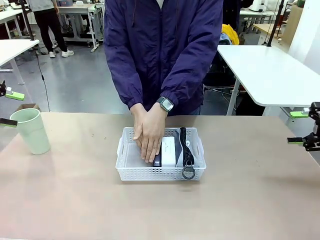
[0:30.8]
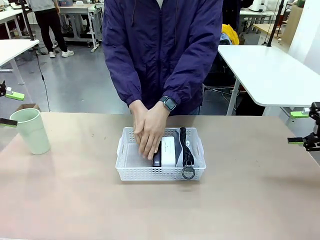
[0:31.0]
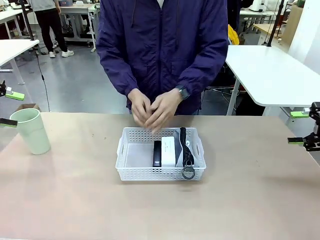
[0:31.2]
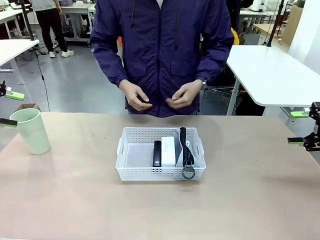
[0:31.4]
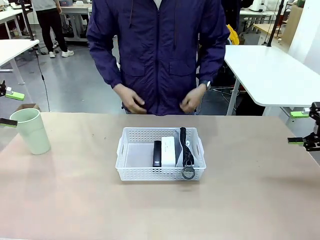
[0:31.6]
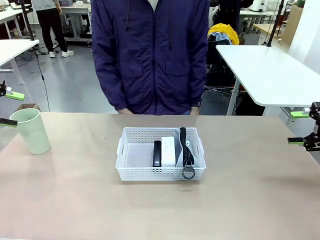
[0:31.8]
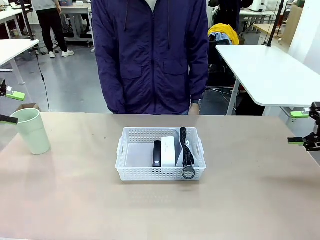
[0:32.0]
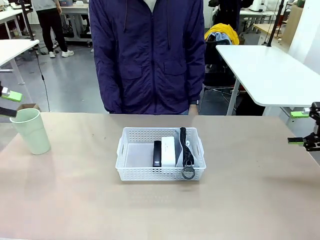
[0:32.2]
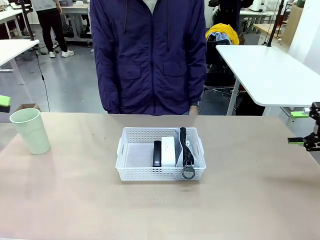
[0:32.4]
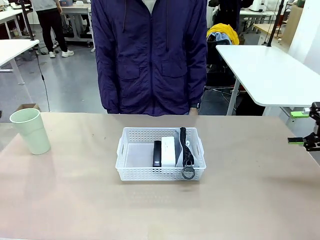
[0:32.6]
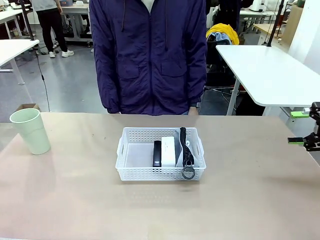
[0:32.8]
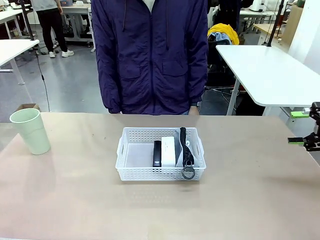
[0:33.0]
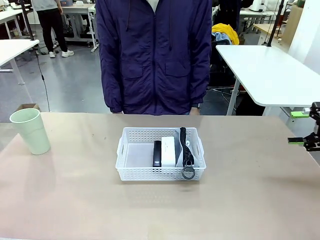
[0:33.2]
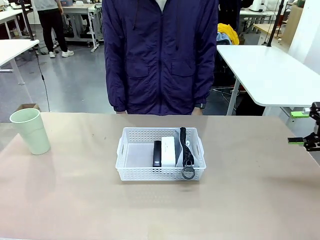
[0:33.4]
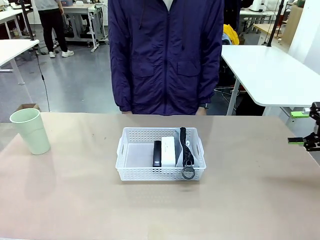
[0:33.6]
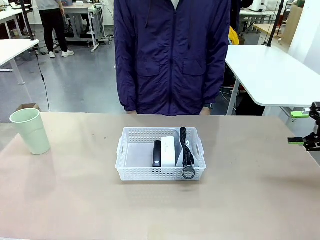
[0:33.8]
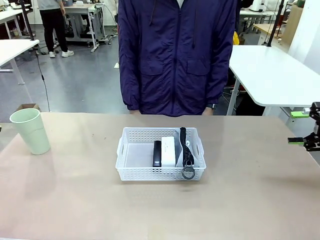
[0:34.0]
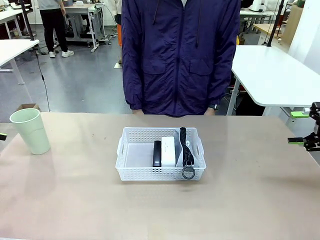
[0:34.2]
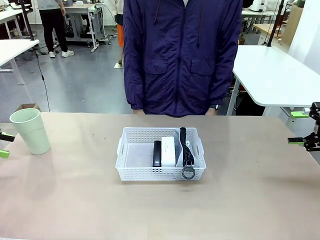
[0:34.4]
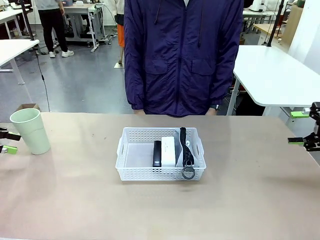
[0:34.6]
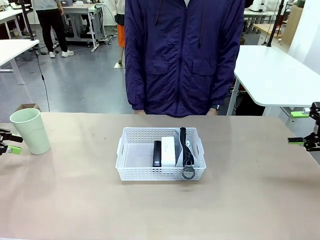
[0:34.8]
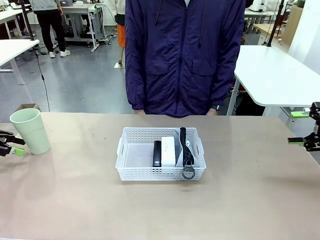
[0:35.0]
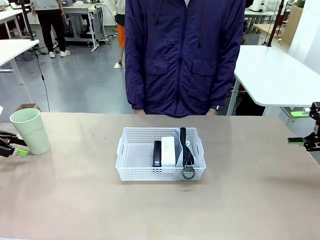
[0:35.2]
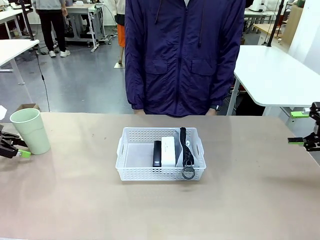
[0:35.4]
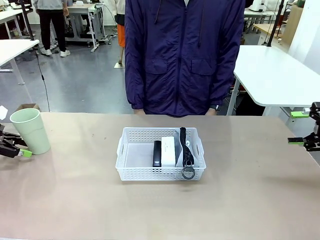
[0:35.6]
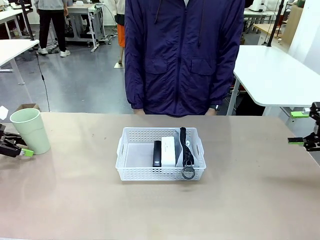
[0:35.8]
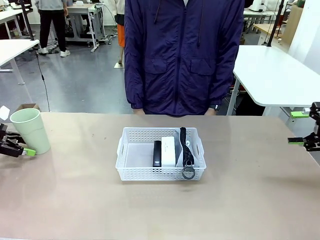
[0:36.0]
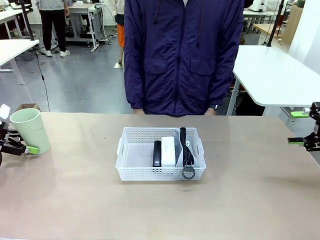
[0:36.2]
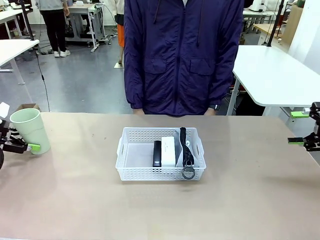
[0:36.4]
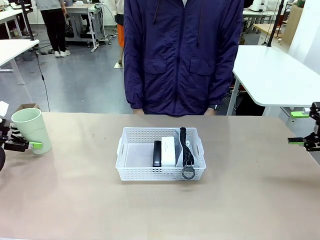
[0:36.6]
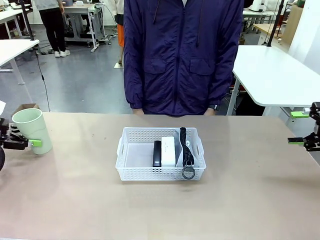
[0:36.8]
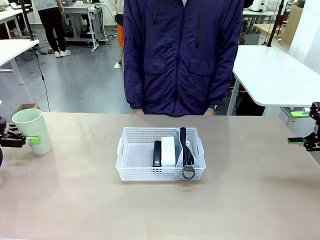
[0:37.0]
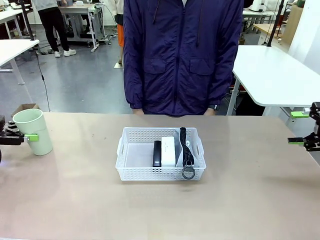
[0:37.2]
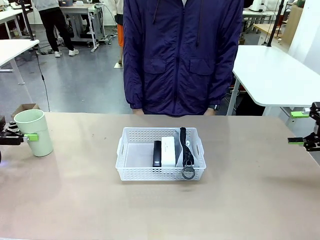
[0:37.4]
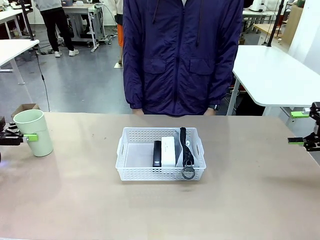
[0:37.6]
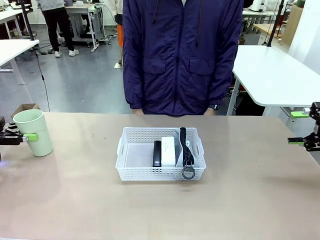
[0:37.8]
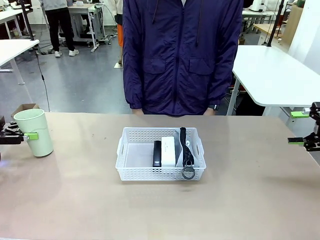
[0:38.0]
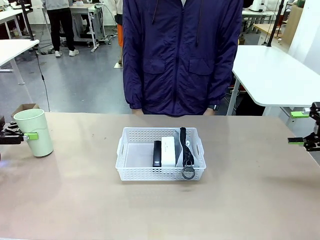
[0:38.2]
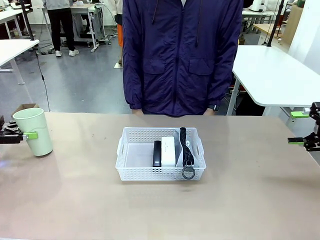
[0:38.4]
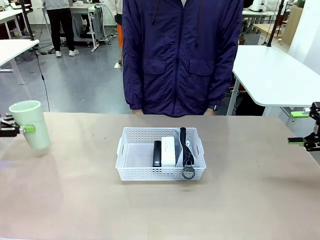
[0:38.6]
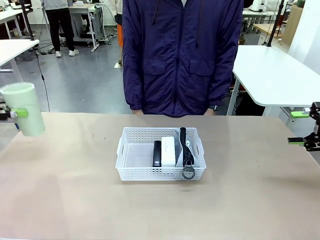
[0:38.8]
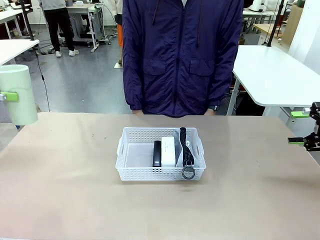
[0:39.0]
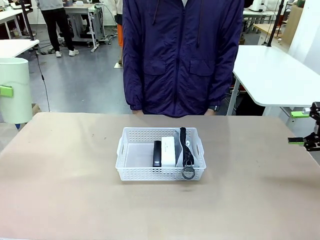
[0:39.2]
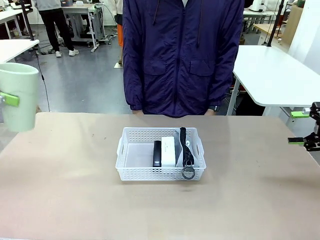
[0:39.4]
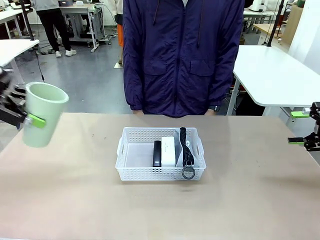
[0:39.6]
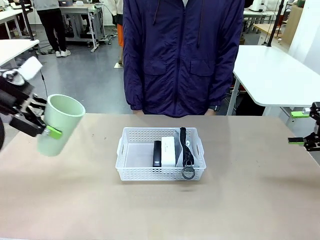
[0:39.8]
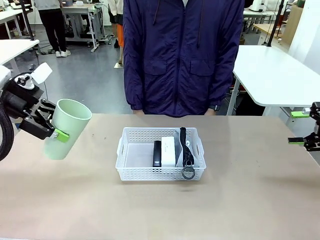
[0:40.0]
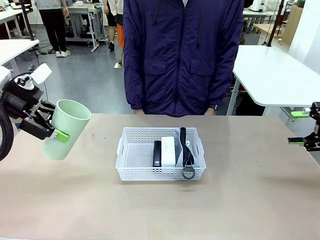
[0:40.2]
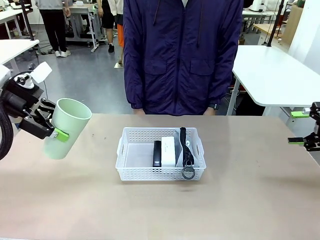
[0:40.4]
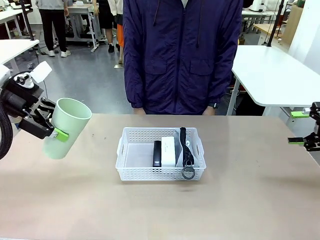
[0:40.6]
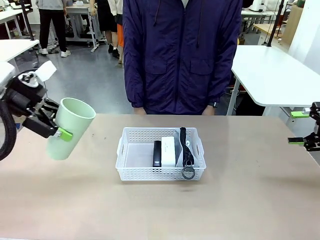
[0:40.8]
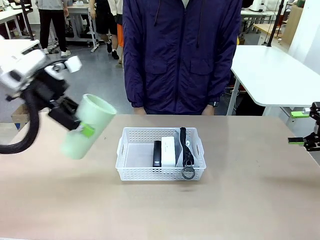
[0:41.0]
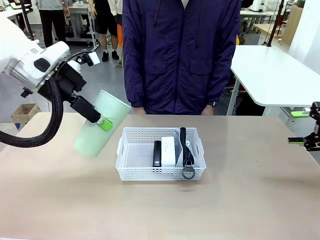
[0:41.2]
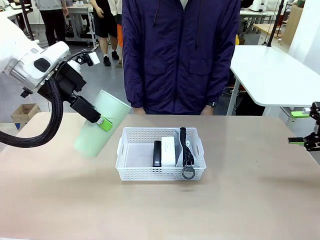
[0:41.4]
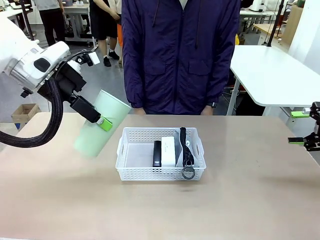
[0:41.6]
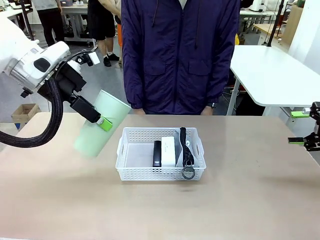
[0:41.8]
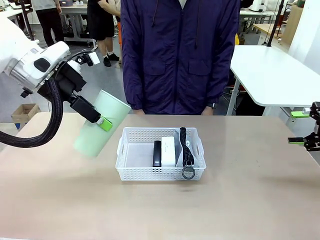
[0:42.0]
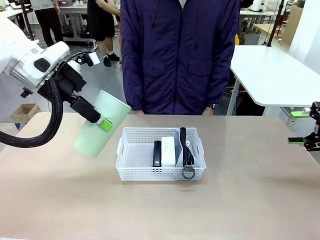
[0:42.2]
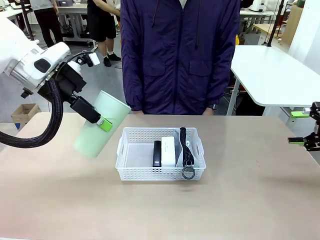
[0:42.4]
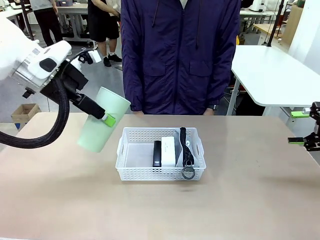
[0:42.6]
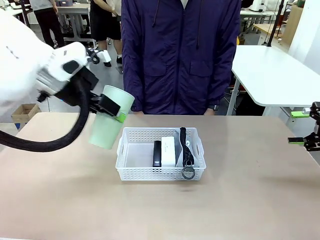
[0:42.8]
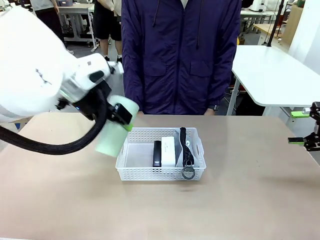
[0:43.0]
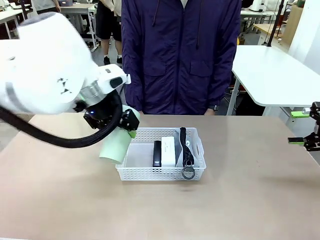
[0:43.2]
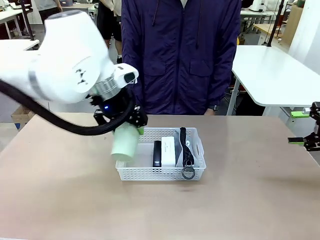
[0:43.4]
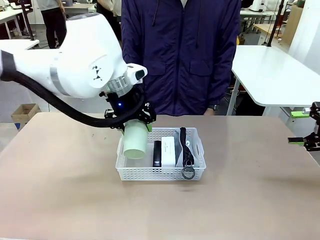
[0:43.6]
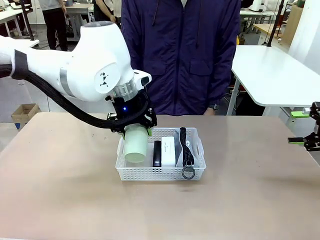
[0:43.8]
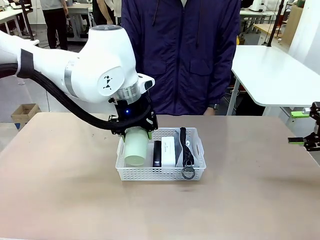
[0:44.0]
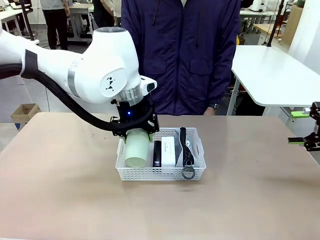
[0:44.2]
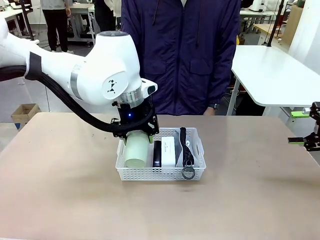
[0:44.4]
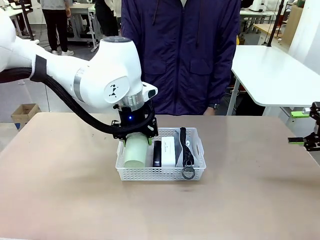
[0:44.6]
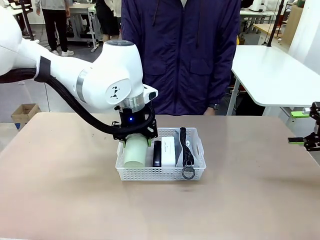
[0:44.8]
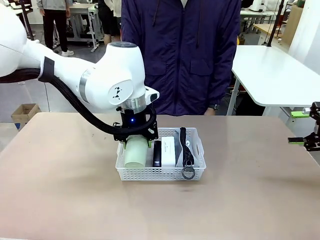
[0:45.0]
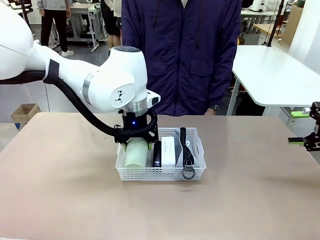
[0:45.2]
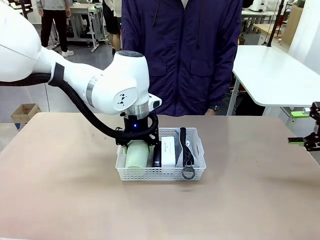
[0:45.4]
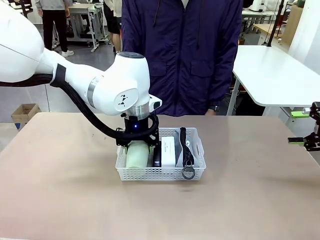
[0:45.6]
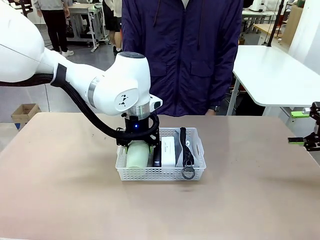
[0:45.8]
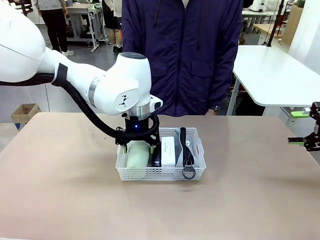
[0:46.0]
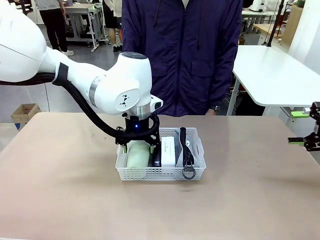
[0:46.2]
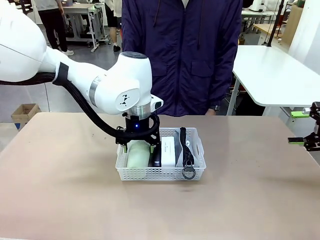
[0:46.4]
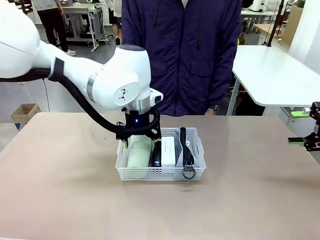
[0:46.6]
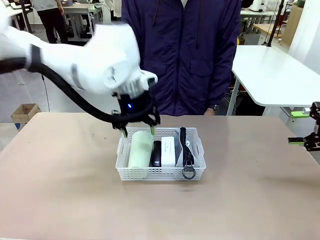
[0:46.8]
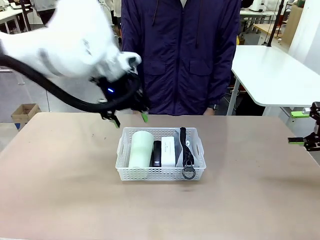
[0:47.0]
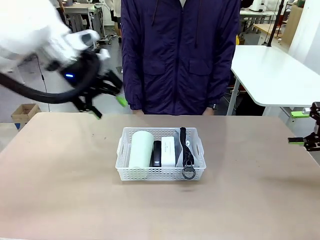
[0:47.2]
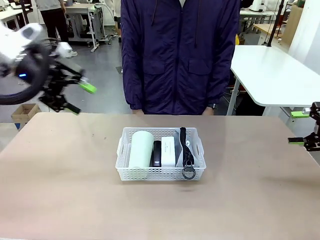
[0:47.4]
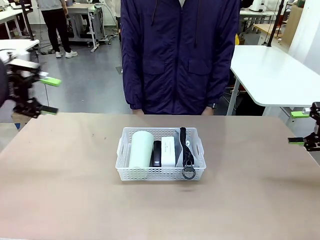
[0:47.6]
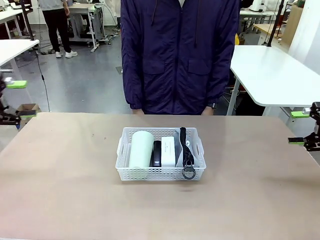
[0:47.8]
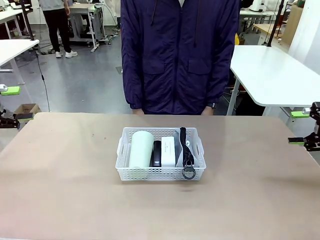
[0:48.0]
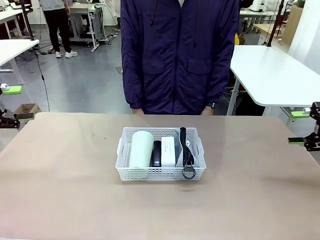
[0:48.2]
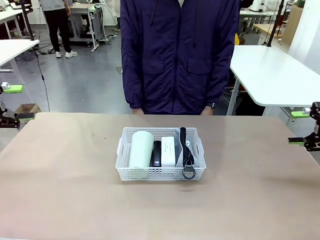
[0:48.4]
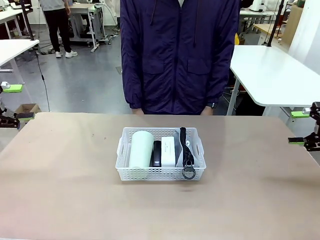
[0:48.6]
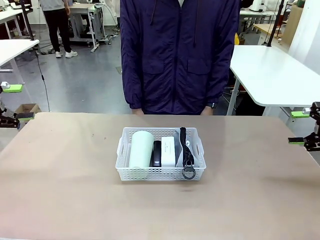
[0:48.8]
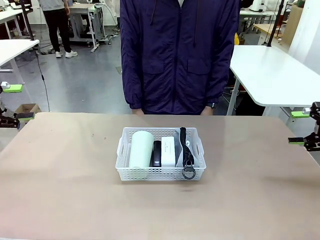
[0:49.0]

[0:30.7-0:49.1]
Task: Efficiently arrange items inside the basket to fit them all.
Robot: Pick up the Reusable plastic cup and place it inside the Organizing basket.
Person: Repositions the stapler.
